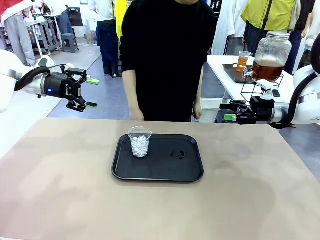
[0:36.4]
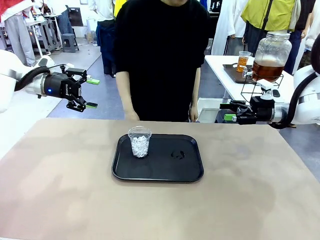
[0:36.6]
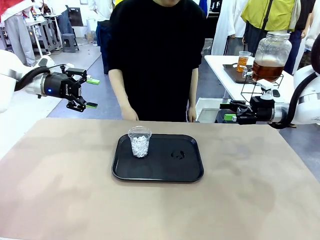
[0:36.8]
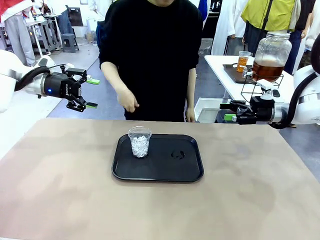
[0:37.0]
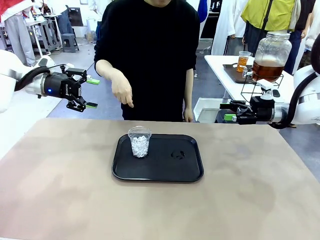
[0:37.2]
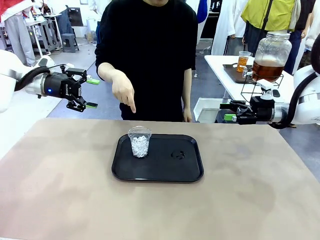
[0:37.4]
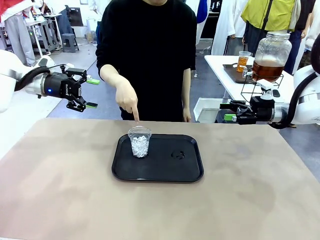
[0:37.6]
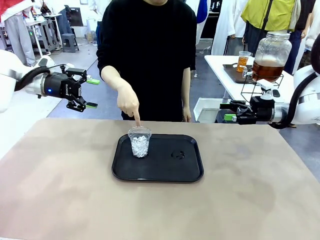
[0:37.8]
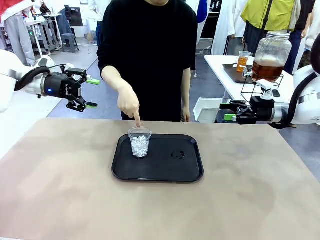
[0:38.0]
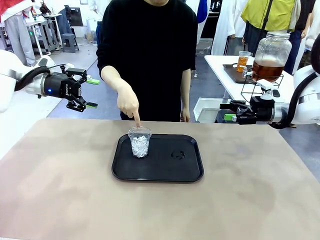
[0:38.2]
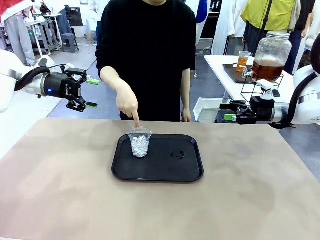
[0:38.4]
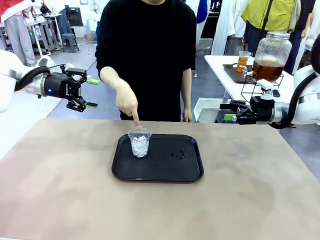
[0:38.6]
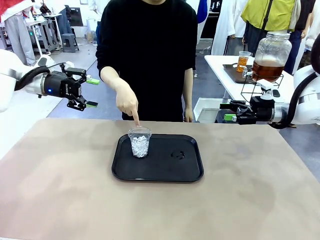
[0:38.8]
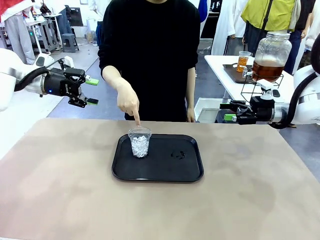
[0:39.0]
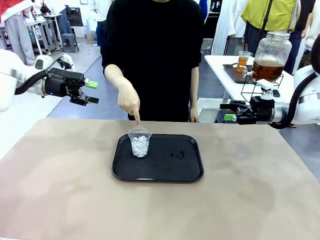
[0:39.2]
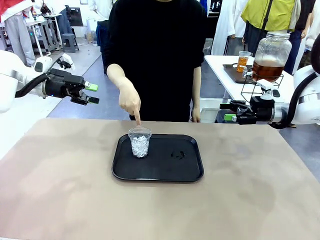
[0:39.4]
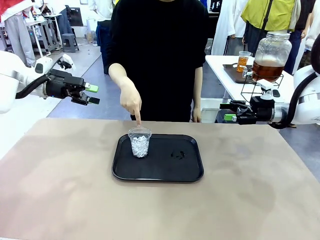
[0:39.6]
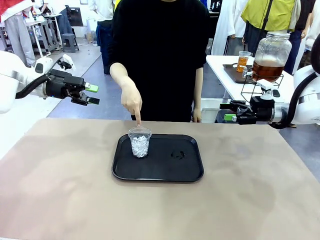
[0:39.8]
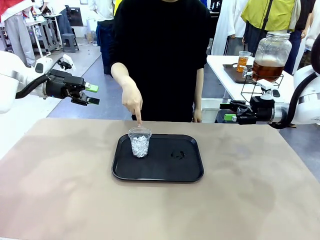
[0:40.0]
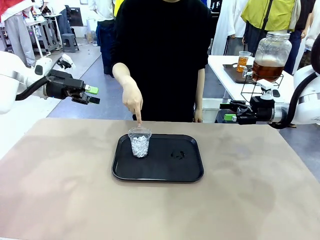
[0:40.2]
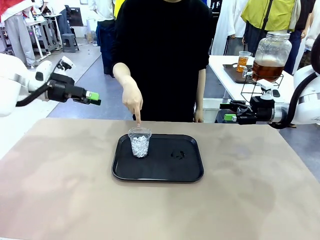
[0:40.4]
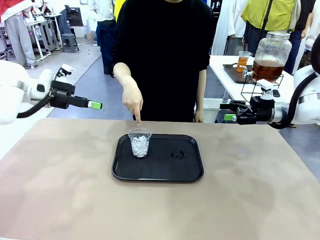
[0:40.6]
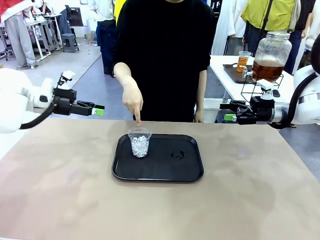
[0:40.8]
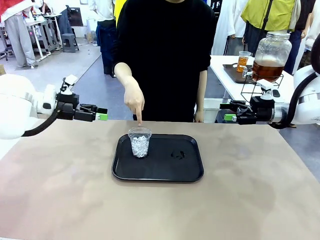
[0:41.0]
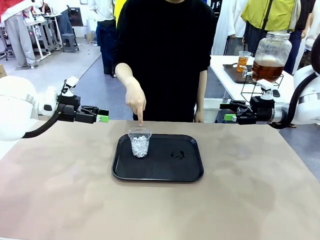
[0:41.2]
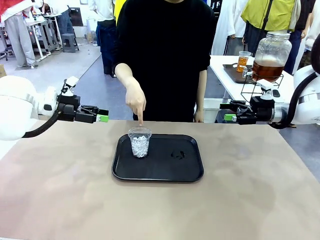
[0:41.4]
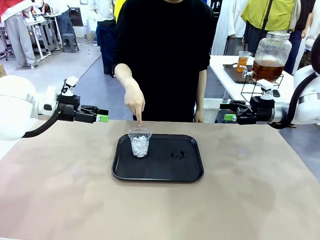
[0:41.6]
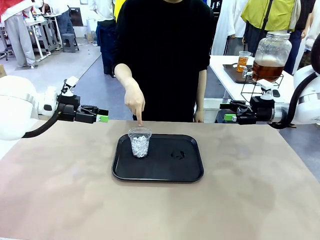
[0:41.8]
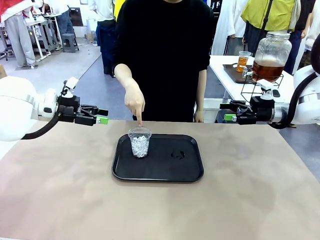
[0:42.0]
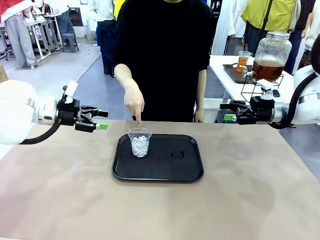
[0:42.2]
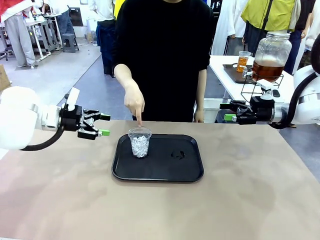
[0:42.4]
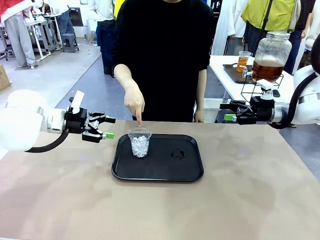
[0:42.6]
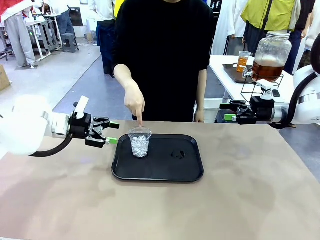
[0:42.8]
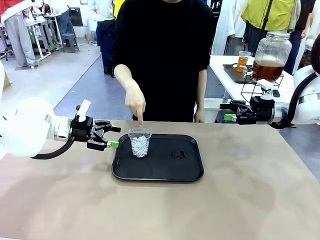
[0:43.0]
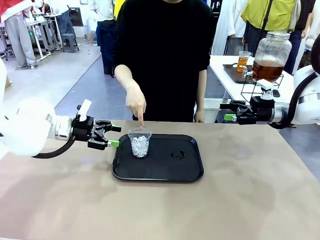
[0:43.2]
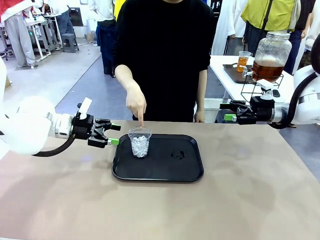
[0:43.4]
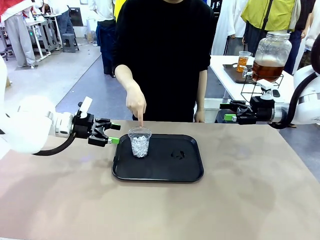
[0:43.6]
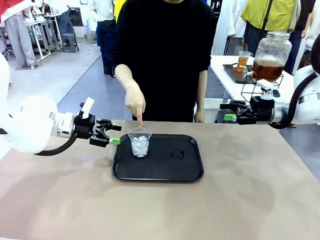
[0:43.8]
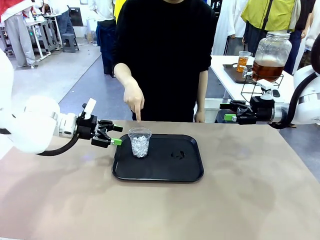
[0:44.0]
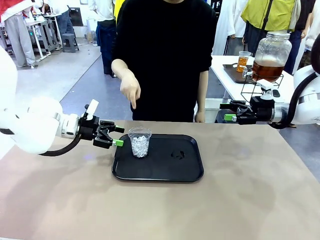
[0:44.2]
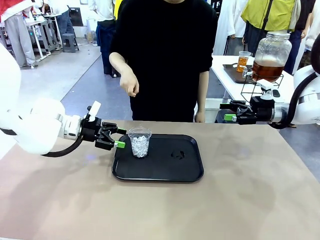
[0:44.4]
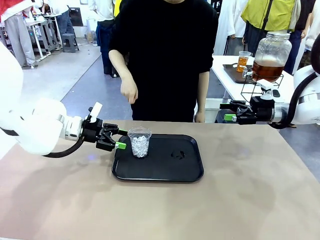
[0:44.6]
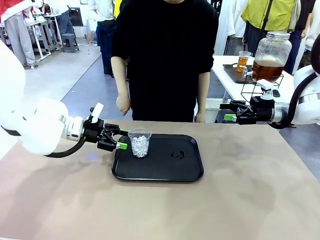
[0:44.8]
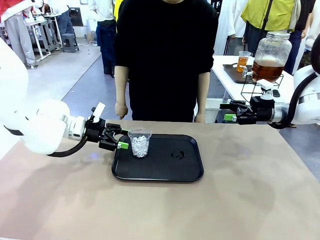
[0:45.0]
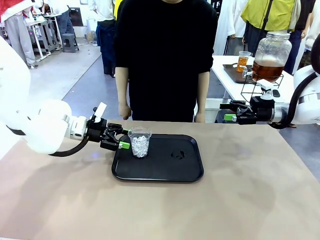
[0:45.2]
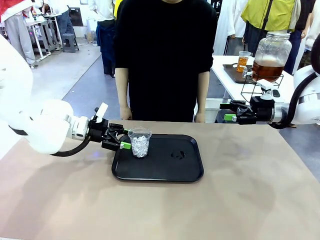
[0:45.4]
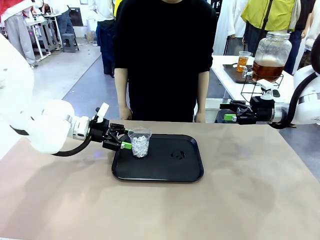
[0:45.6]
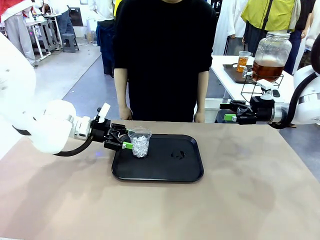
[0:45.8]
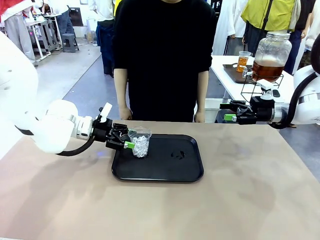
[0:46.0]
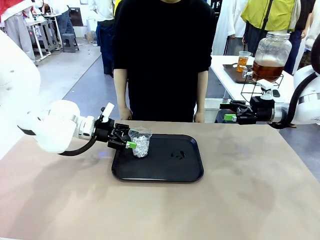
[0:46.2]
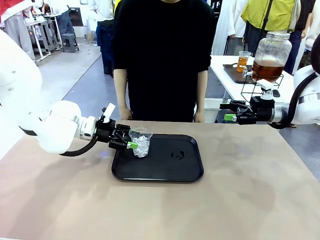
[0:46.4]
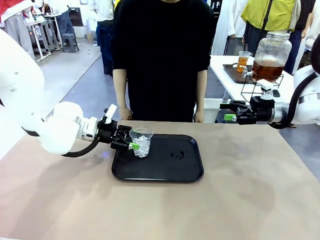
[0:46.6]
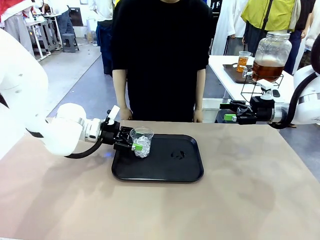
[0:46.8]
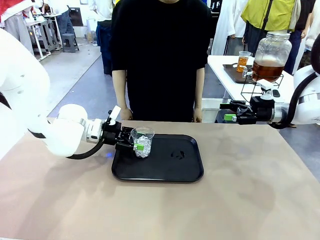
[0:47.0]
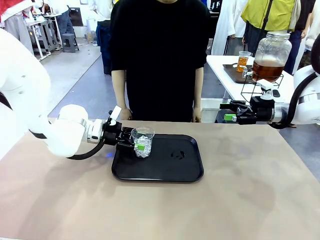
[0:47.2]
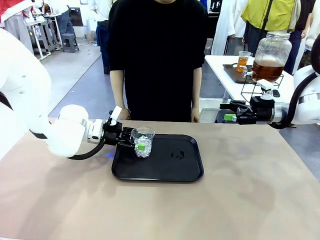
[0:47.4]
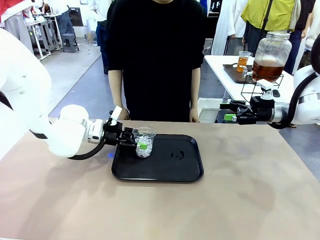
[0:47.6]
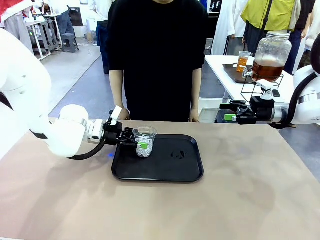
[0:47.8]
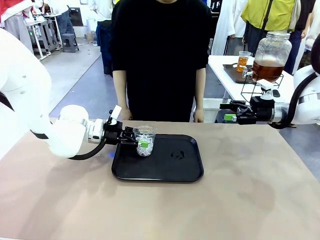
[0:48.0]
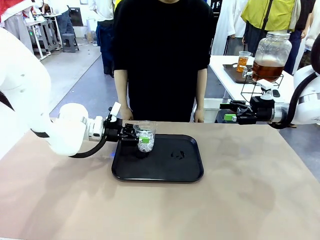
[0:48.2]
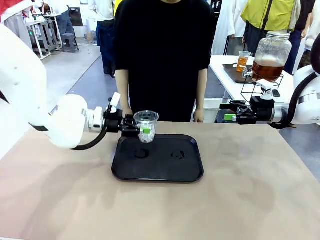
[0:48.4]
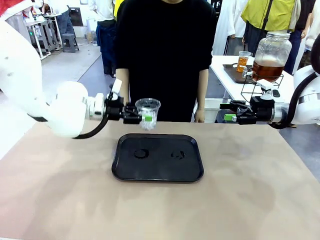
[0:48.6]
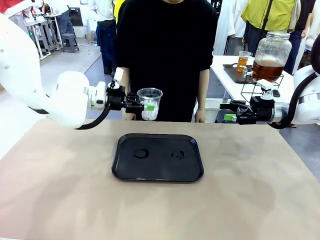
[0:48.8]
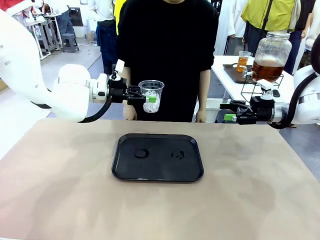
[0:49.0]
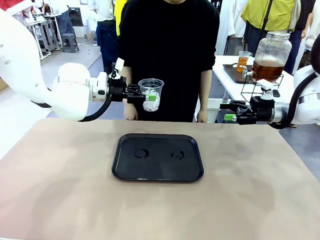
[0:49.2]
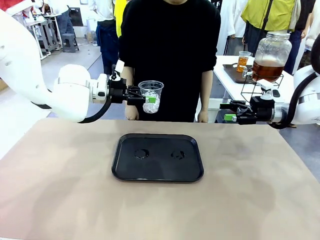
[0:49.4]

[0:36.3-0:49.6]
Task: Pour the drink into the iced cup.
Robot: Pick up the iced cup indicated by the human and present it to them.
Person: Point to the remaining ice cup on the robot table. Pick up the cup offered by the robot.

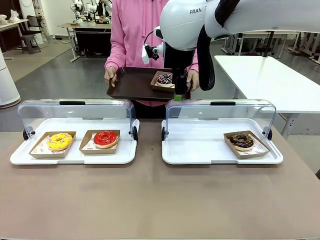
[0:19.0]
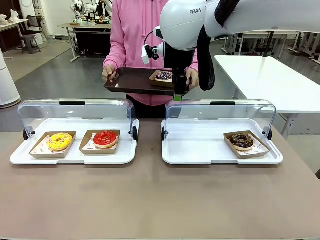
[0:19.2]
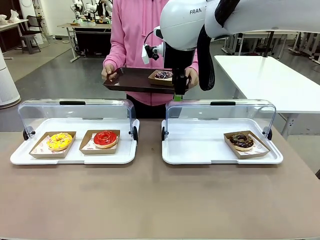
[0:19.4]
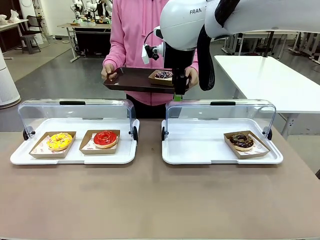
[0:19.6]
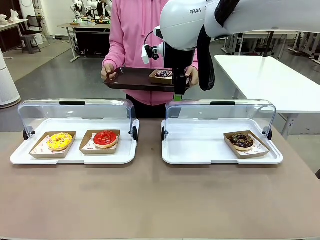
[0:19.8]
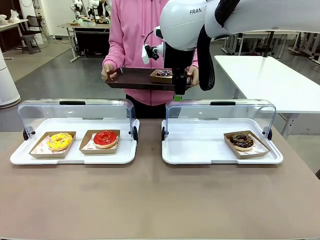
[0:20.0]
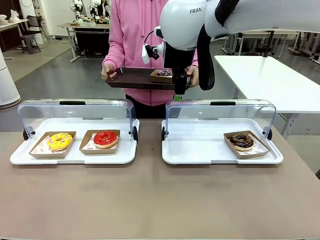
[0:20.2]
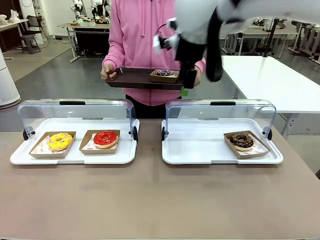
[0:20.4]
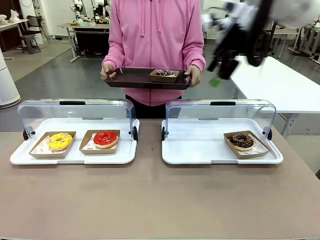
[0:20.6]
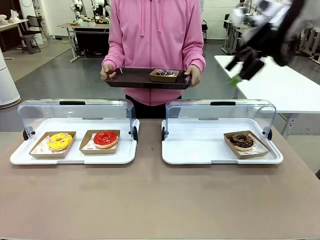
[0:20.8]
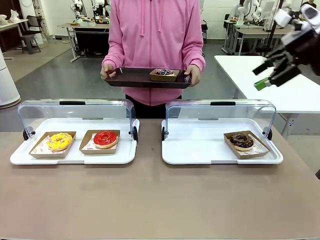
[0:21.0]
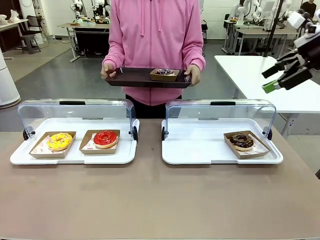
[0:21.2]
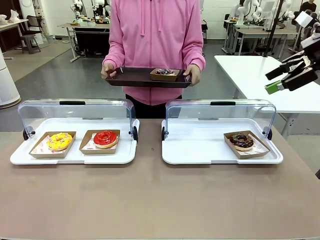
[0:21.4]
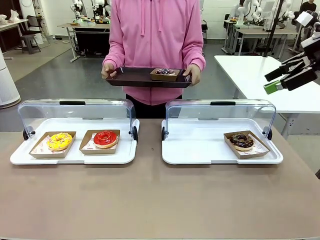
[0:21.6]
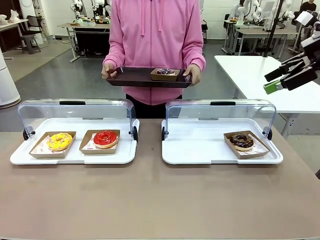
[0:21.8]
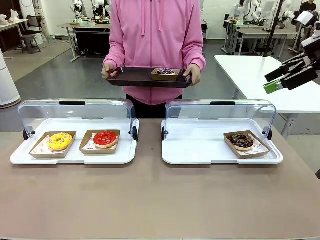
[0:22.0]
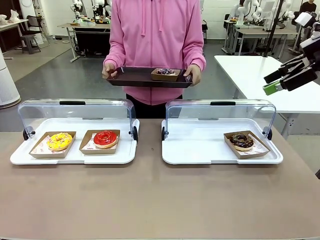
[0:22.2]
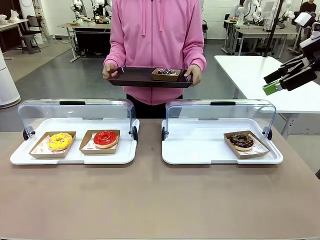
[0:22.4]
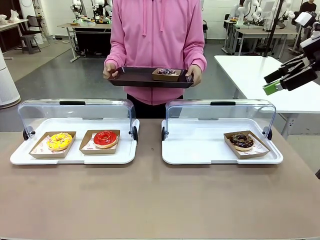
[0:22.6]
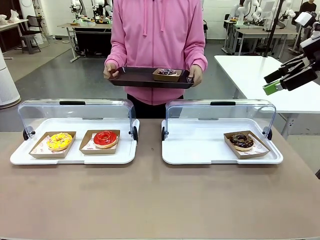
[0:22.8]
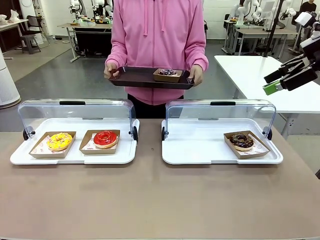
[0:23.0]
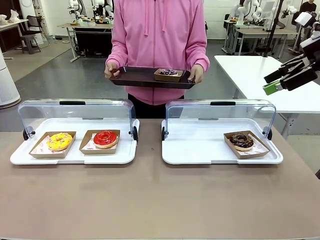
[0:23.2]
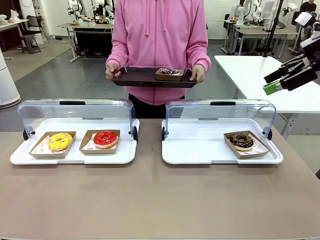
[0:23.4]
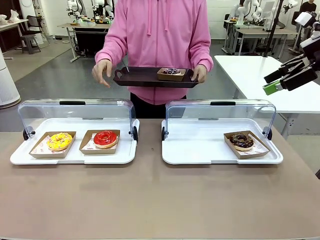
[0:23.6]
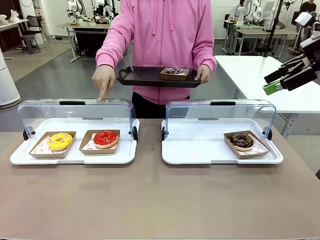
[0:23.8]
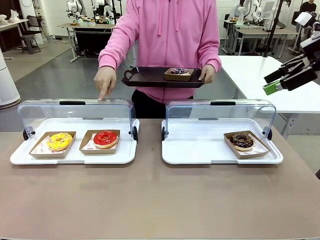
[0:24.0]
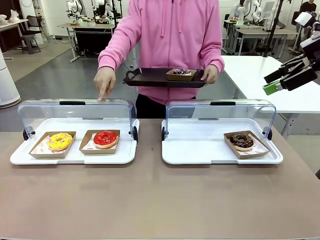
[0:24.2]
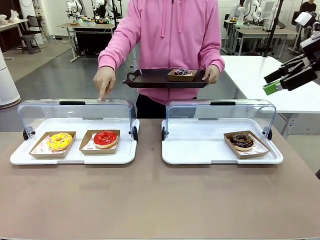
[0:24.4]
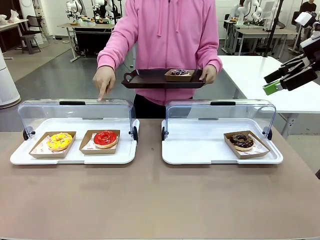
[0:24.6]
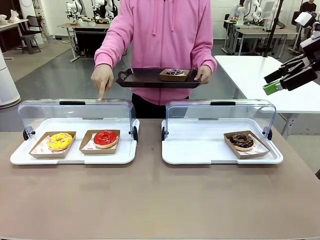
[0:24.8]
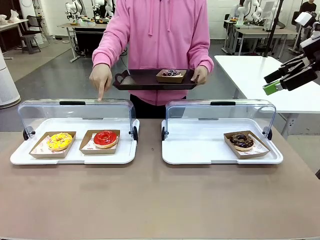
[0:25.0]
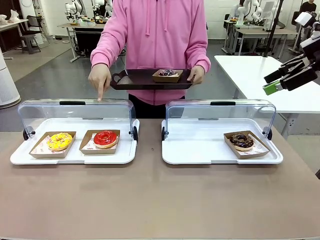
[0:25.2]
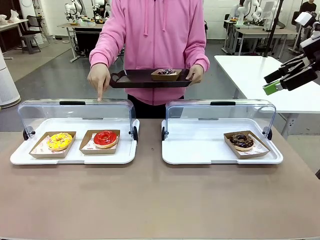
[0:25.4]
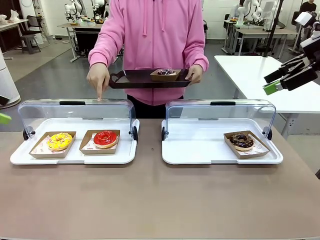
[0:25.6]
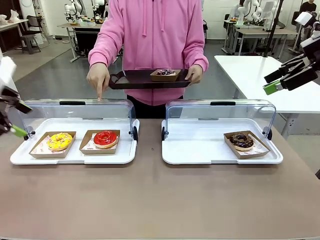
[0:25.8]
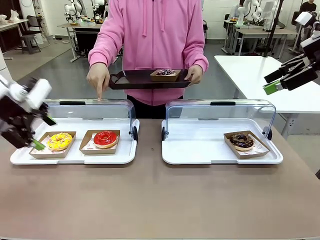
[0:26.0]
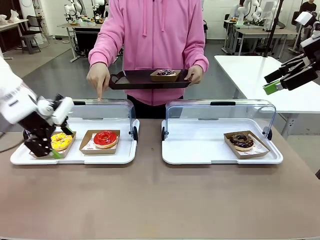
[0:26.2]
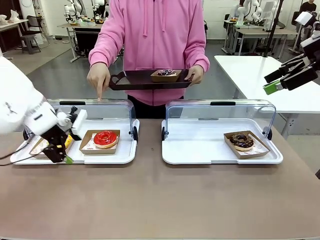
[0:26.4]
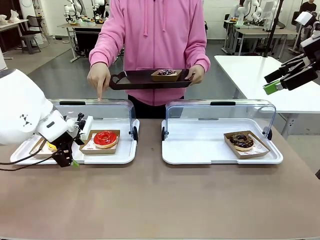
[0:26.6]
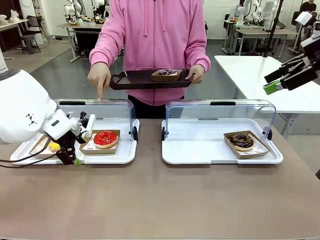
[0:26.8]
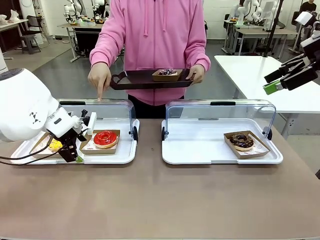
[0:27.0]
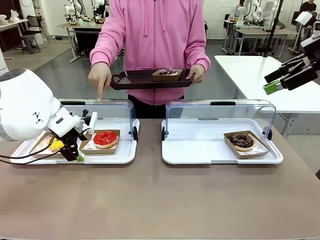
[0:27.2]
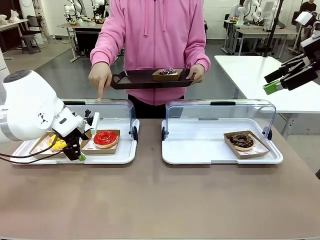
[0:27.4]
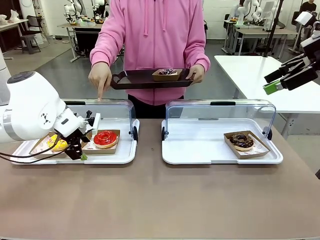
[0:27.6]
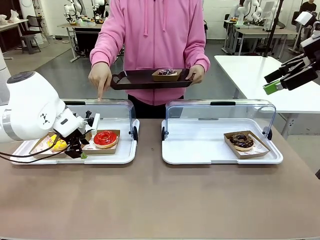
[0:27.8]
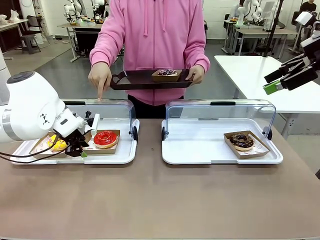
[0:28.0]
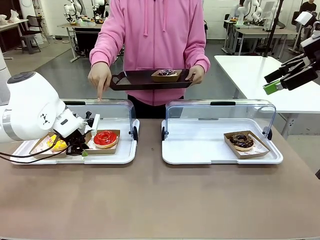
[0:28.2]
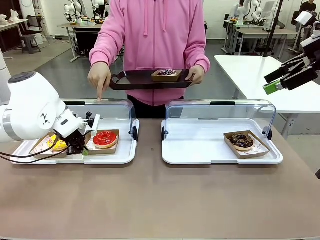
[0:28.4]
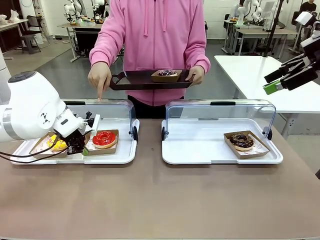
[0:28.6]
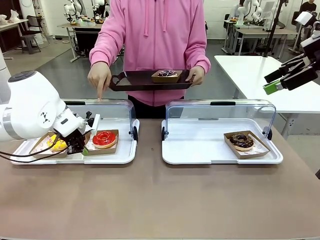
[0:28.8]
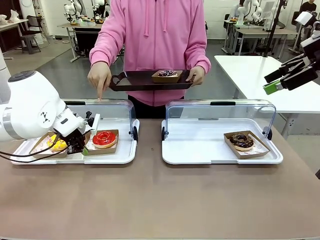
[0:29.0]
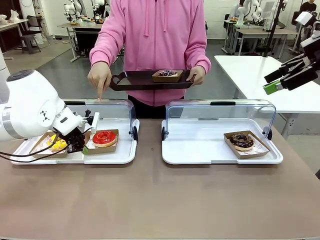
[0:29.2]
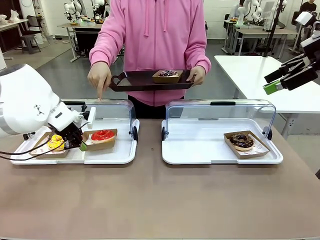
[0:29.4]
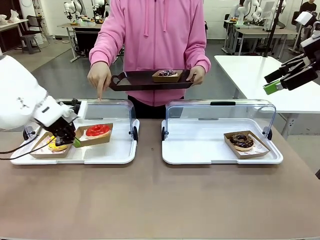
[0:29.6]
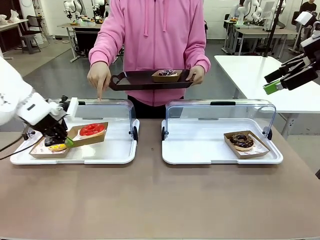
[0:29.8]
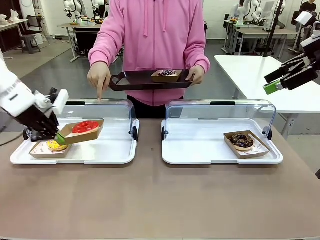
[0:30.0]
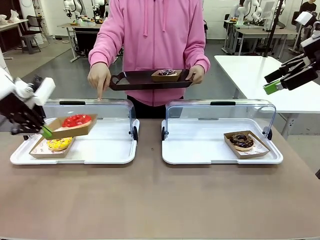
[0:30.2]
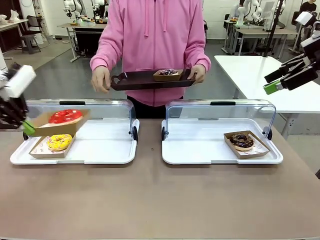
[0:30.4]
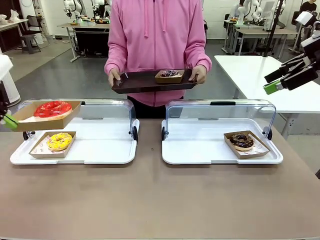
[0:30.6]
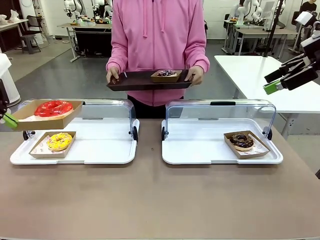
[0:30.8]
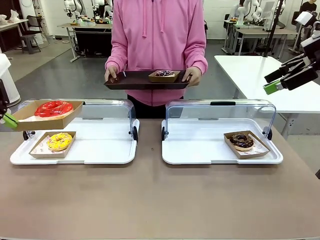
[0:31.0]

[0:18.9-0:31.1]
Task: Provide the desired donut to the person.
Robot: Pick up and lift the Paper togo box containing the Donut pointed at by the person.
Person: Point to one donut. Lift the tray onto the Roll-Top Bakery Case.
